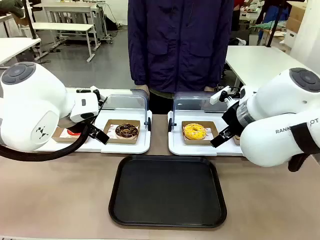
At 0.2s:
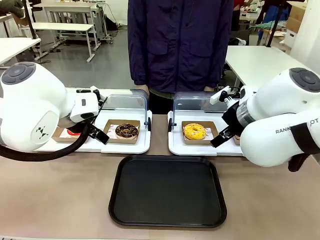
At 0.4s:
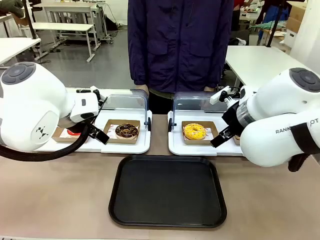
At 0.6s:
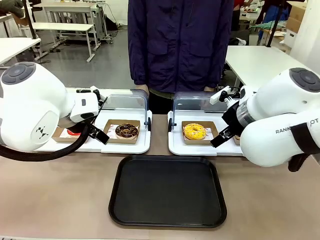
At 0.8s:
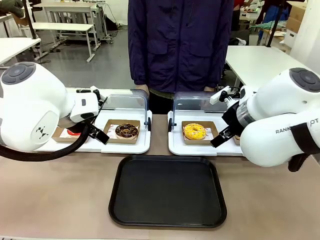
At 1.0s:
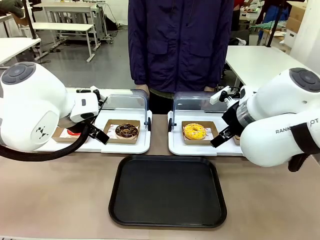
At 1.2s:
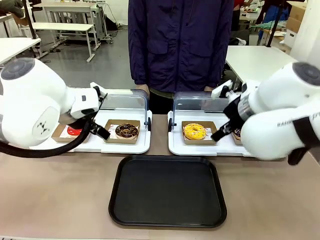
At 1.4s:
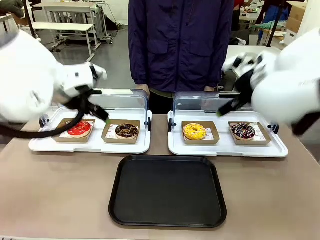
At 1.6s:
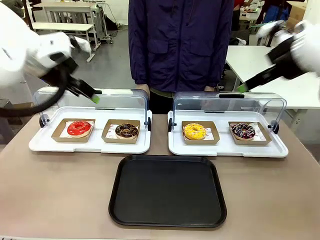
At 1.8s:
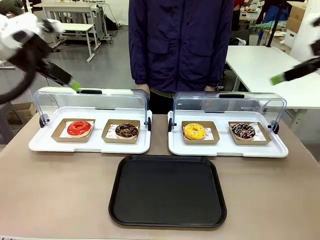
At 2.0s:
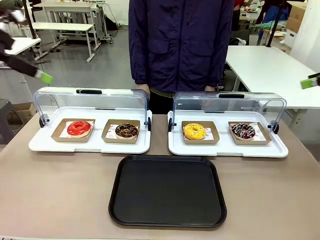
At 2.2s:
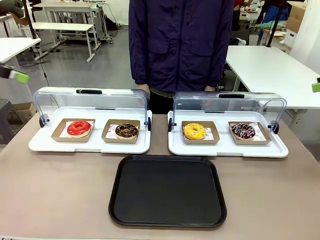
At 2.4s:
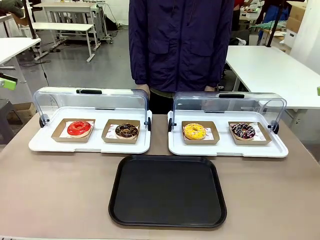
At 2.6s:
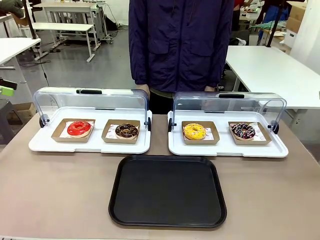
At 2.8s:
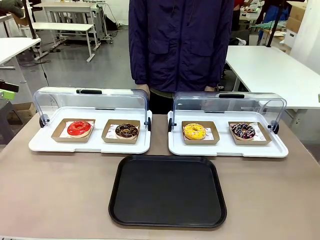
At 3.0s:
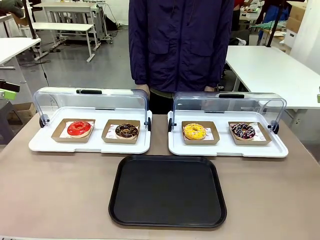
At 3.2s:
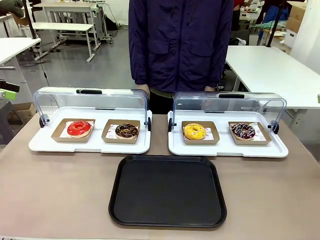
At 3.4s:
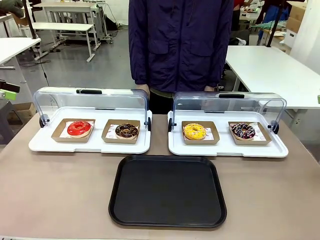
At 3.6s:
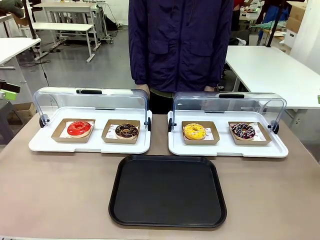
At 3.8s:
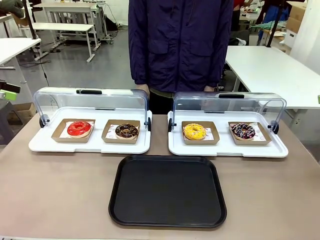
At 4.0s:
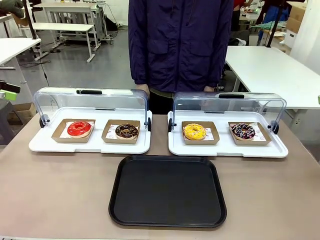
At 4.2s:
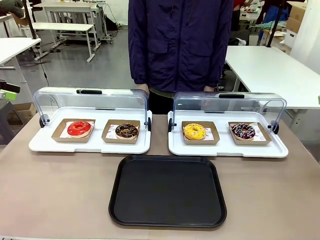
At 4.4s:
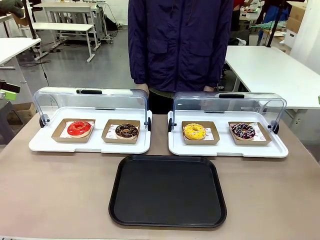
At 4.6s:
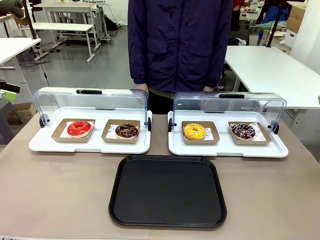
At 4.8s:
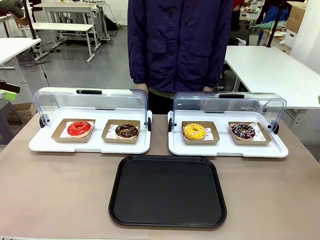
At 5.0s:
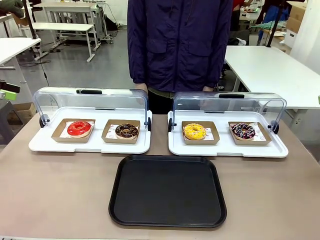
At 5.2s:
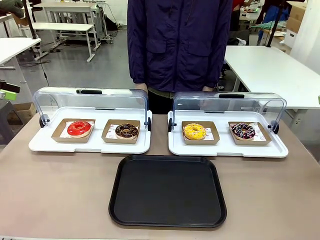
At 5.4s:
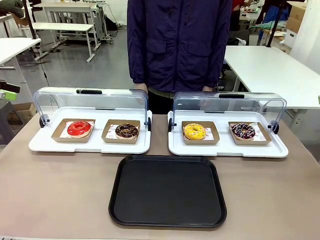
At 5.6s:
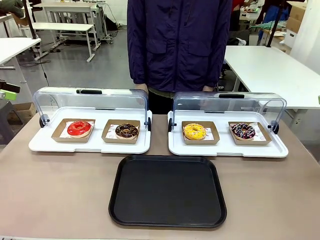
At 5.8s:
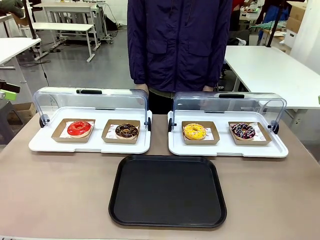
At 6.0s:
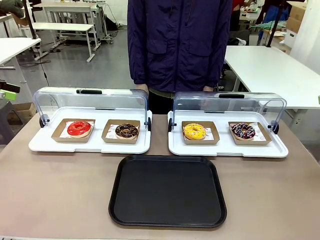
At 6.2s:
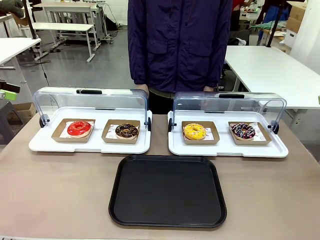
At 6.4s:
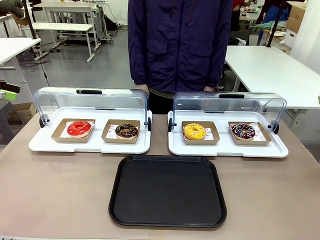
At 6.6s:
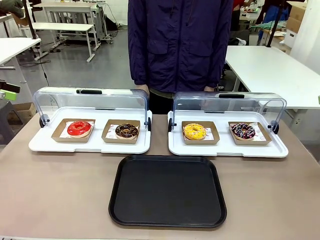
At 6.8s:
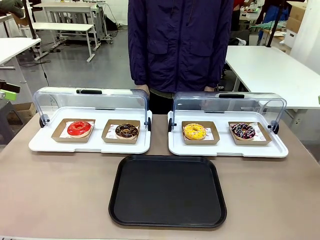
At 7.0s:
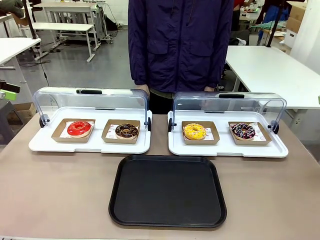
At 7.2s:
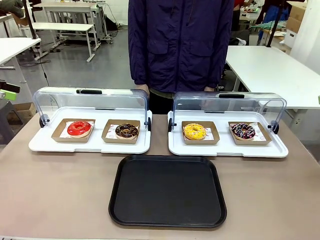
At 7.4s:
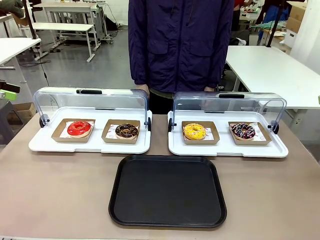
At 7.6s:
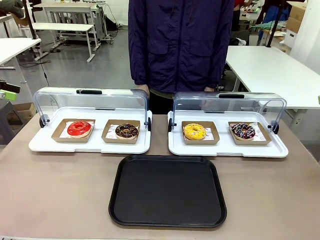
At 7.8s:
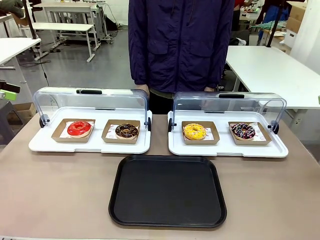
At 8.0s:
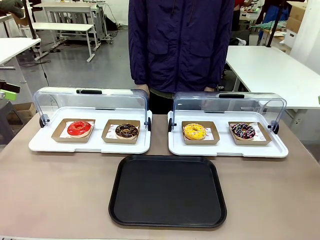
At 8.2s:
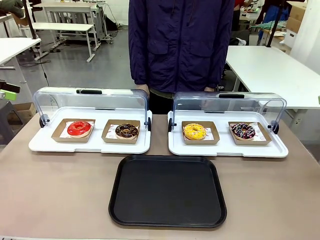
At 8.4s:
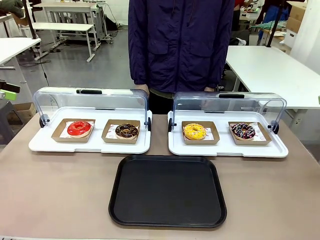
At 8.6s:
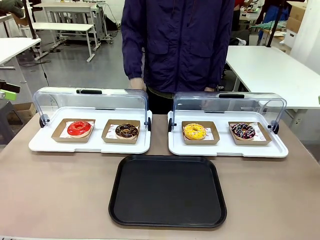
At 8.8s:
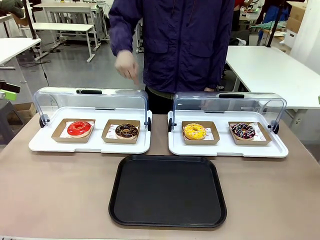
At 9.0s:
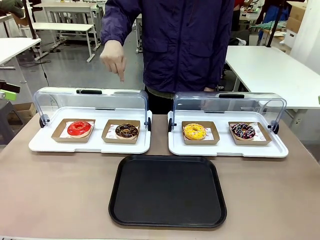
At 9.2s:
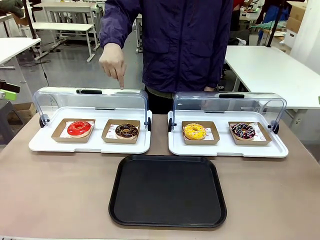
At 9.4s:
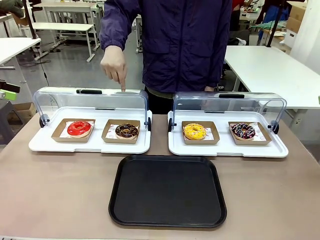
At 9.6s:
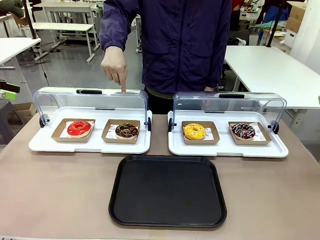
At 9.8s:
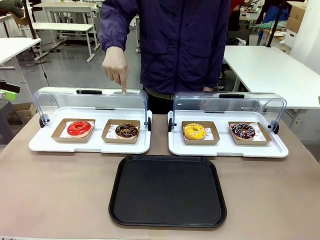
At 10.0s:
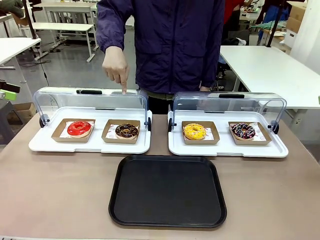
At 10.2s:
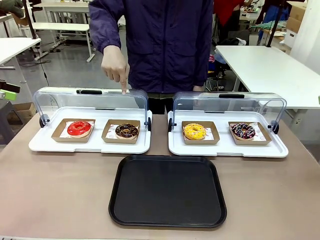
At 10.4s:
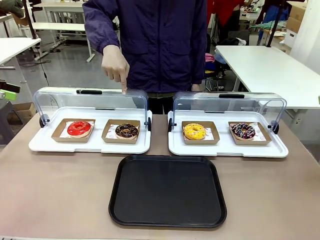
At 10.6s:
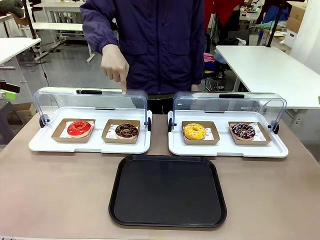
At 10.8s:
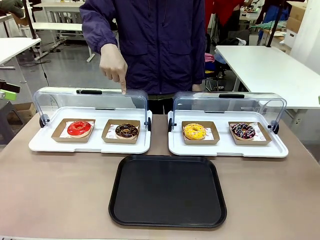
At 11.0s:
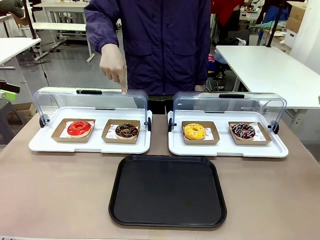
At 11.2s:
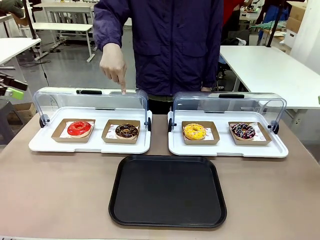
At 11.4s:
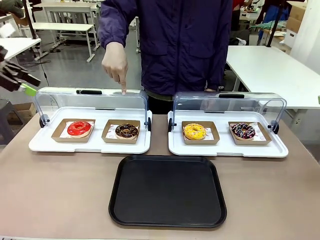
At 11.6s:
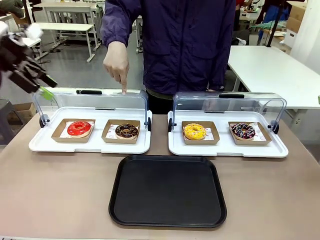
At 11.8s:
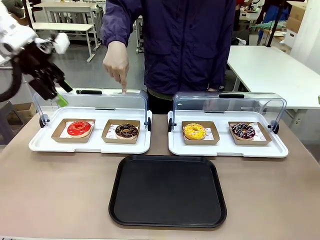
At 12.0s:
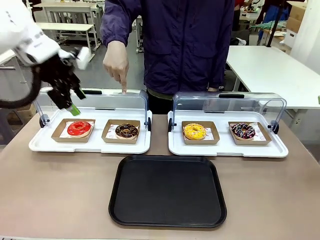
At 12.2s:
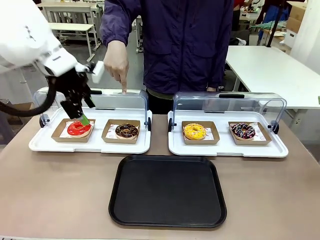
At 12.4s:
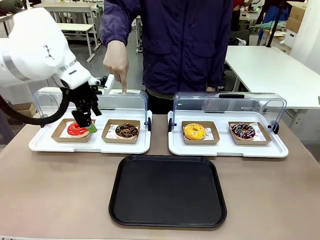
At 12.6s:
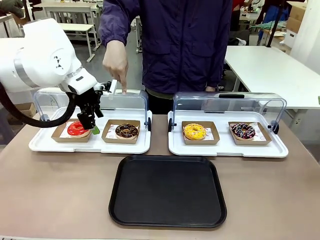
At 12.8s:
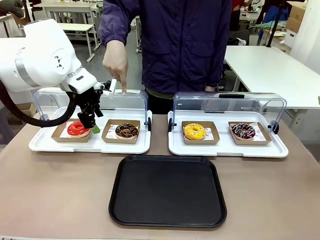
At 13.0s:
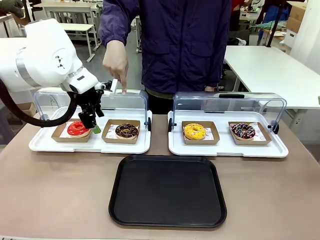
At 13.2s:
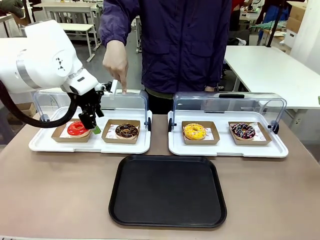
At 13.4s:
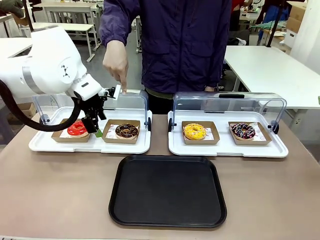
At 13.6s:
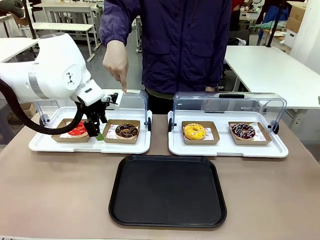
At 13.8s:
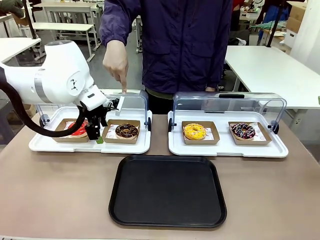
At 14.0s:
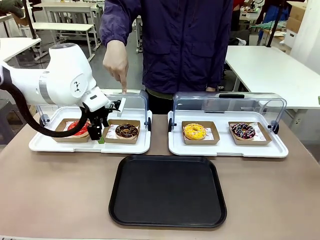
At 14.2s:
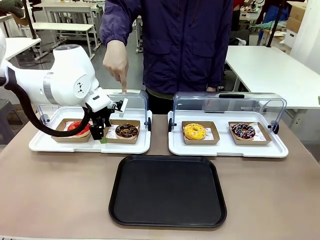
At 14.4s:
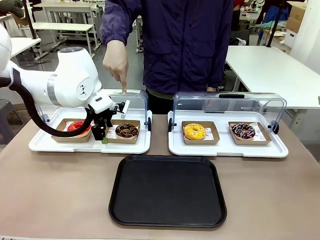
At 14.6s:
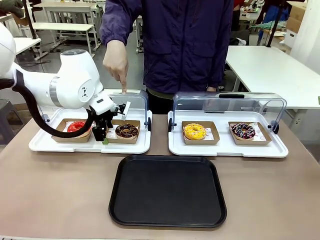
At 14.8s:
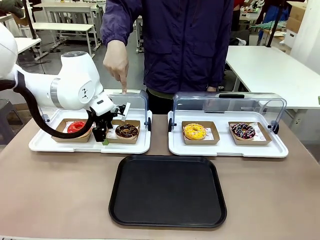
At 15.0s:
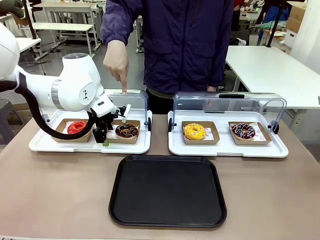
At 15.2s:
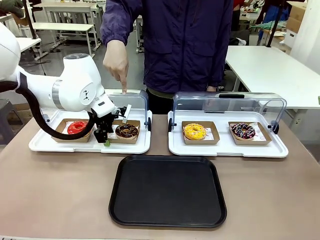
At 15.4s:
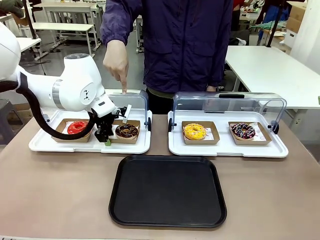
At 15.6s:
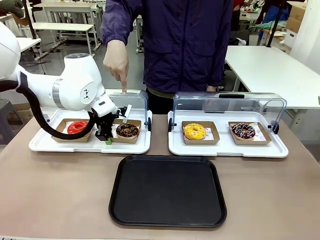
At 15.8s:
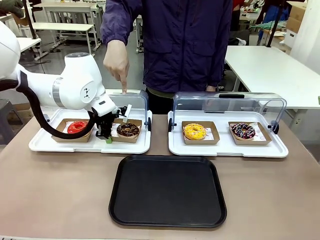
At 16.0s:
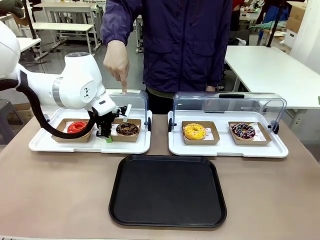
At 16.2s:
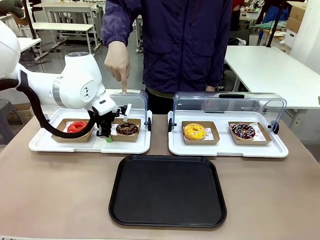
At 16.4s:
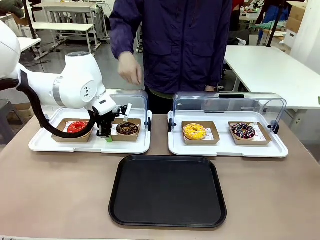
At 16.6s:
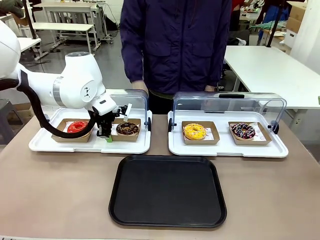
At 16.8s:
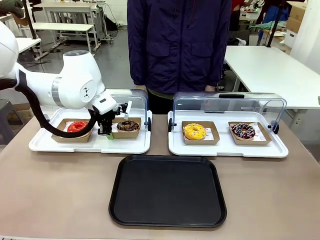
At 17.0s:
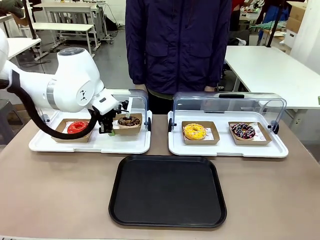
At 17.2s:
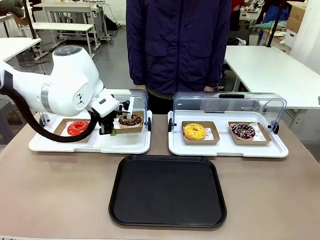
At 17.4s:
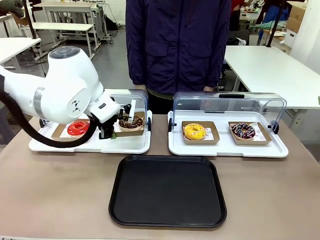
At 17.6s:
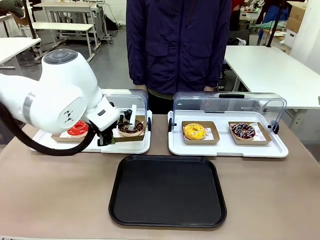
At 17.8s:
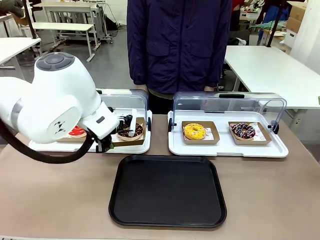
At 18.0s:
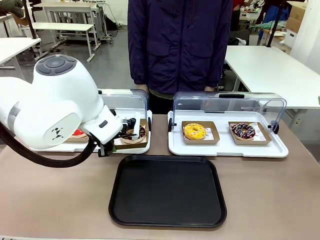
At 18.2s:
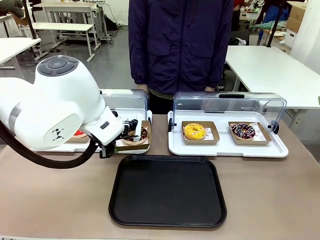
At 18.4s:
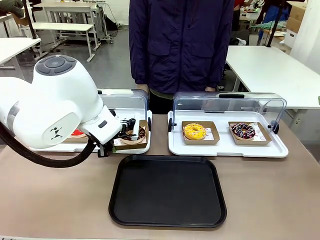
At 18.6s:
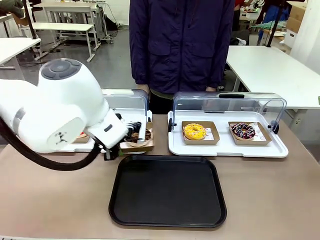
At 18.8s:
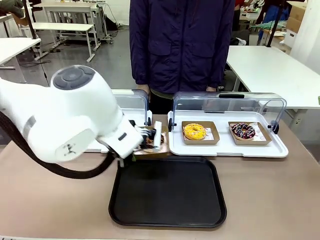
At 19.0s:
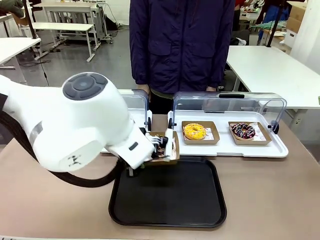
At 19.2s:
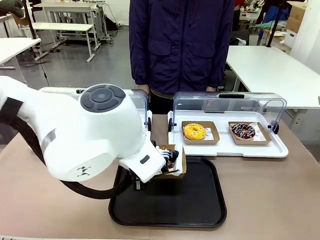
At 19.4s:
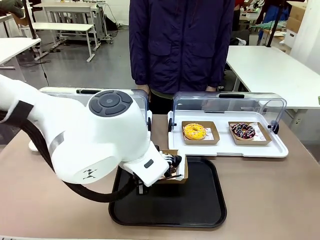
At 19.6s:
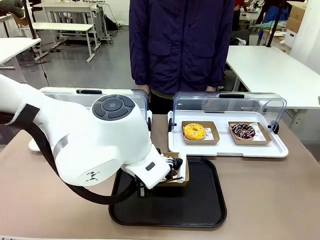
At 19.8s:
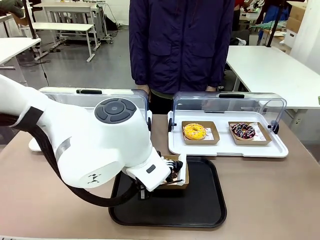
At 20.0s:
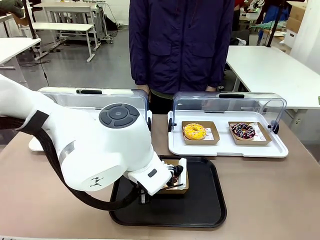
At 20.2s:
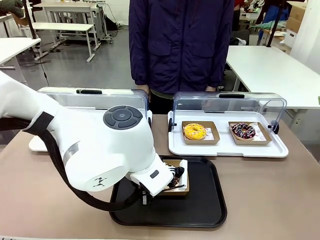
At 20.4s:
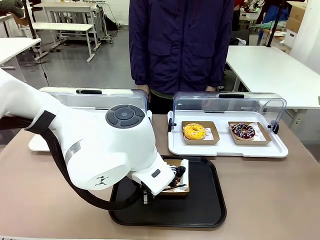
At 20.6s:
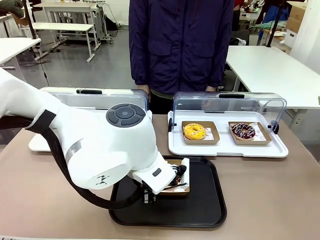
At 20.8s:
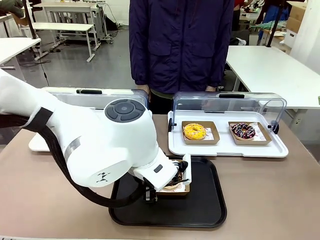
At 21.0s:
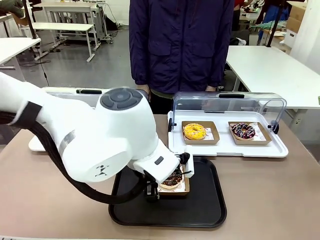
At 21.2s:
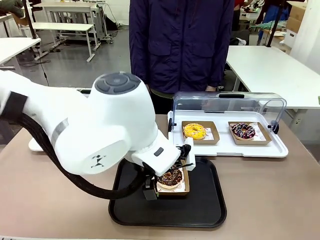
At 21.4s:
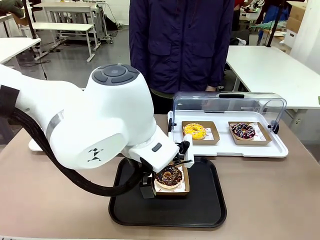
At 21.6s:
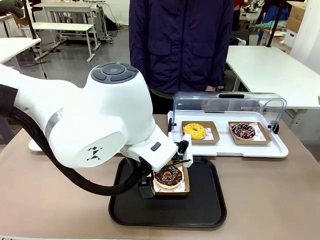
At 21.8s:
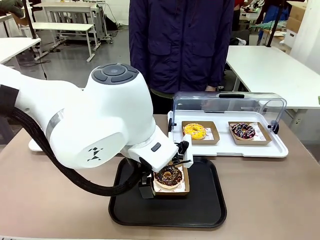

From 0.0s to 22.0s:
Task: Move the second donut from the left to the tray.
Robot: Pick up the Paper togo box containing the Donut indicated by the person and place it on the Handle tray.
Person: Points to the second donut from the left from the robot’s perspective.
